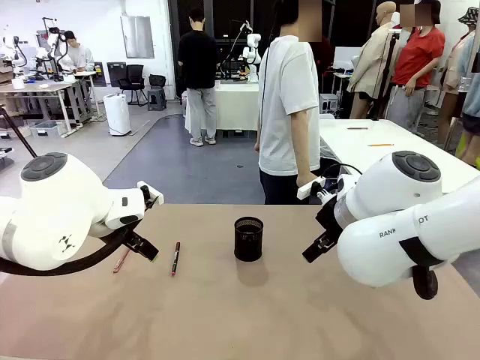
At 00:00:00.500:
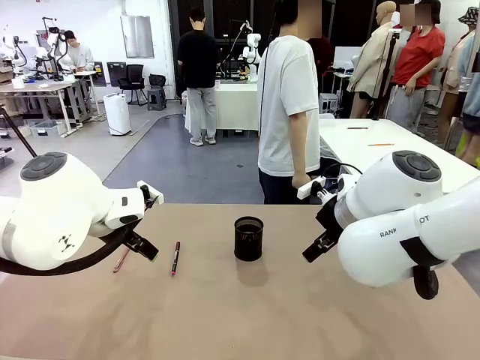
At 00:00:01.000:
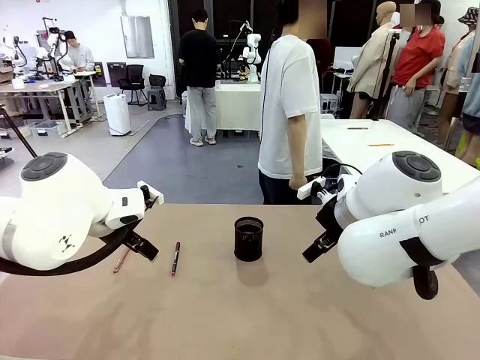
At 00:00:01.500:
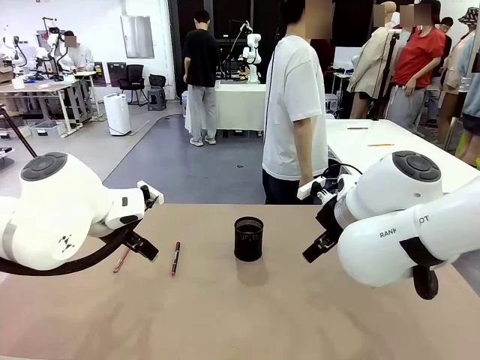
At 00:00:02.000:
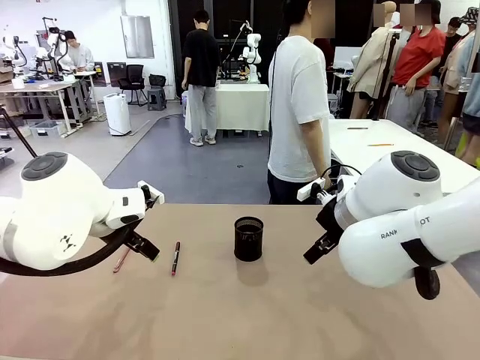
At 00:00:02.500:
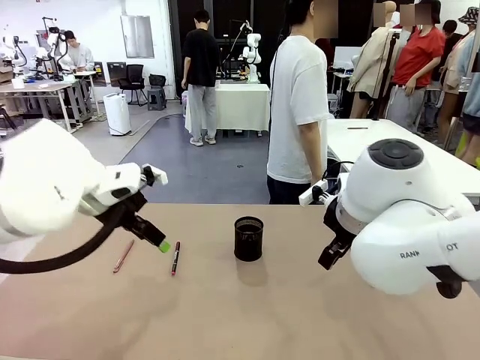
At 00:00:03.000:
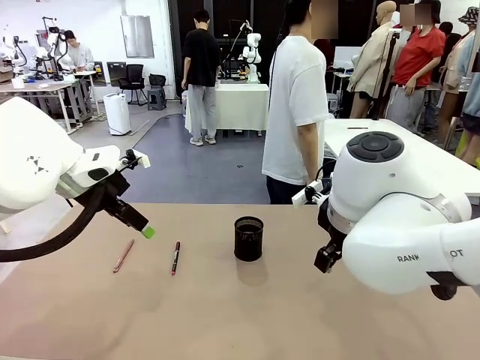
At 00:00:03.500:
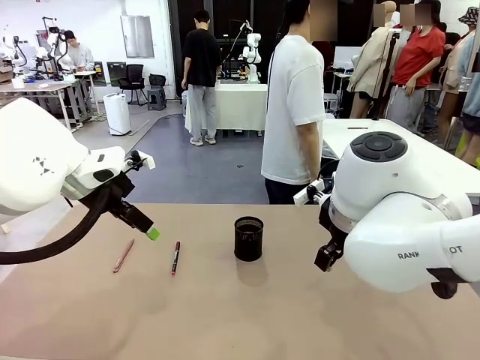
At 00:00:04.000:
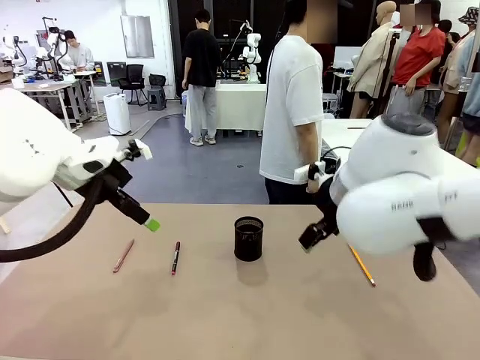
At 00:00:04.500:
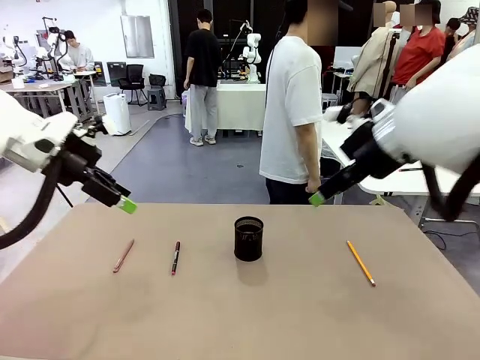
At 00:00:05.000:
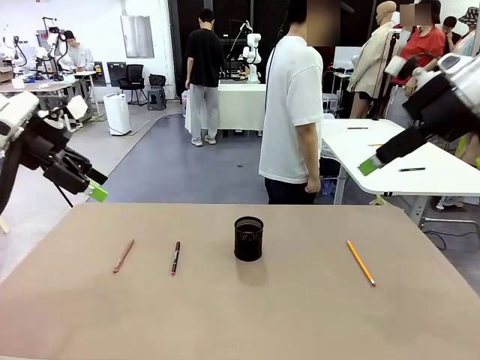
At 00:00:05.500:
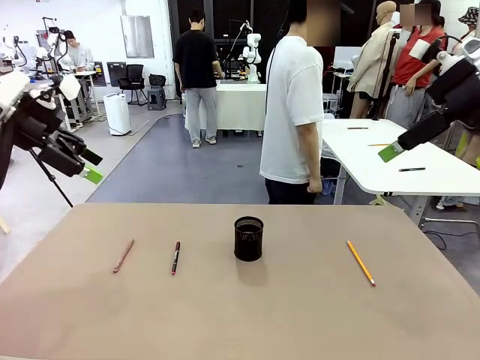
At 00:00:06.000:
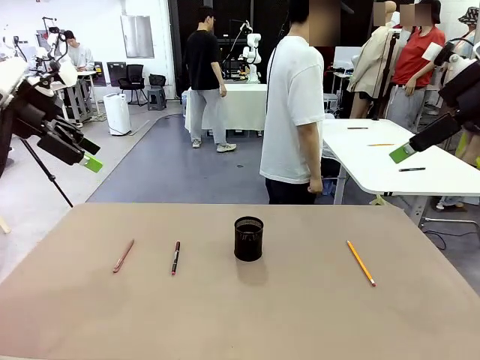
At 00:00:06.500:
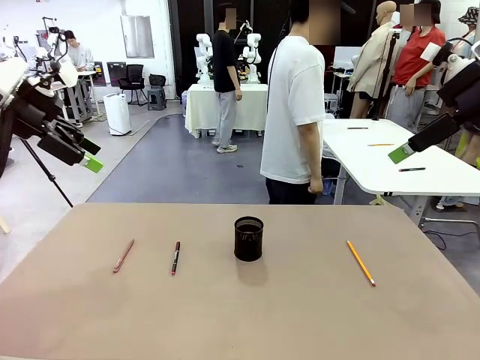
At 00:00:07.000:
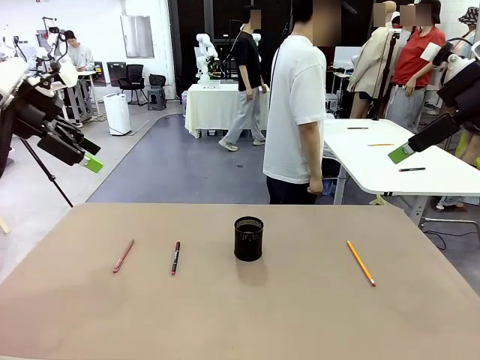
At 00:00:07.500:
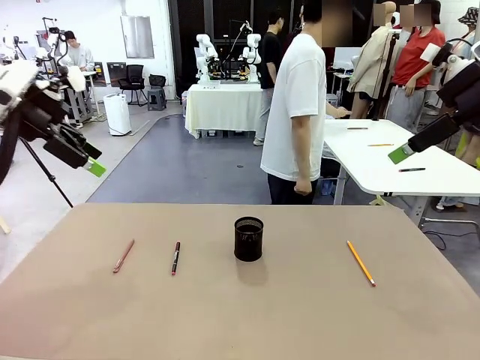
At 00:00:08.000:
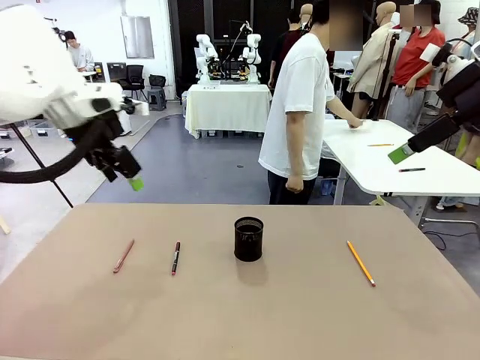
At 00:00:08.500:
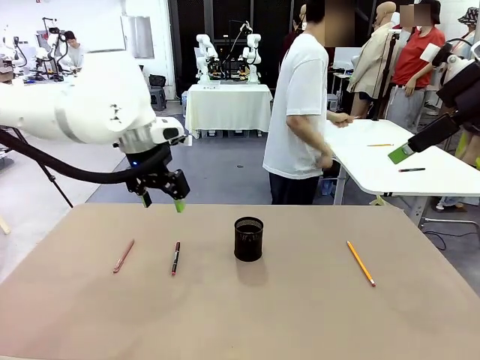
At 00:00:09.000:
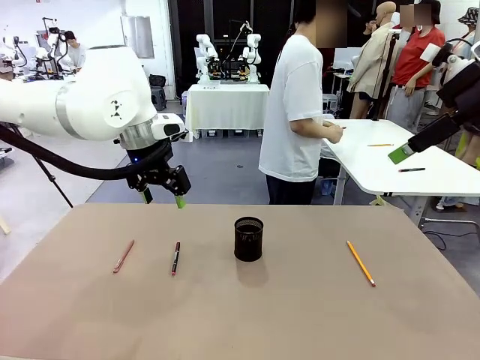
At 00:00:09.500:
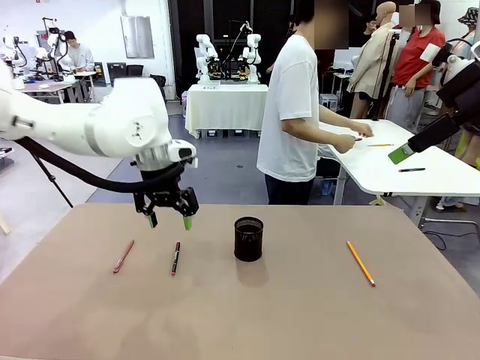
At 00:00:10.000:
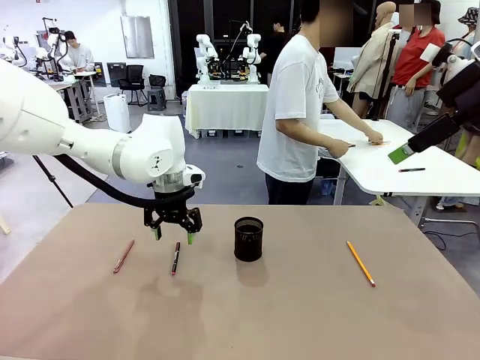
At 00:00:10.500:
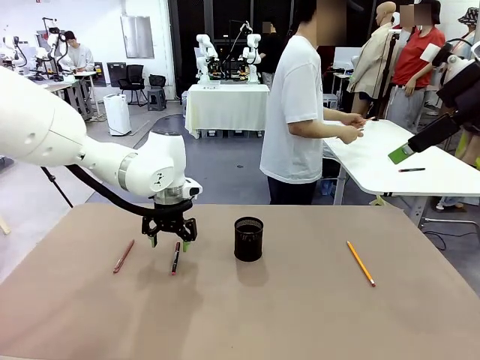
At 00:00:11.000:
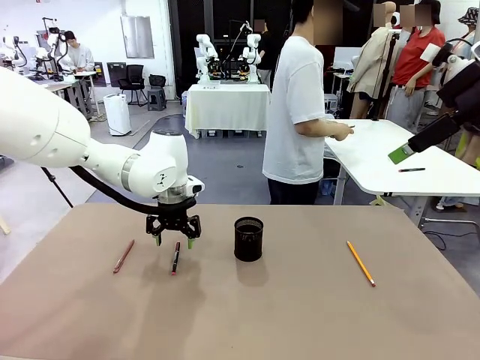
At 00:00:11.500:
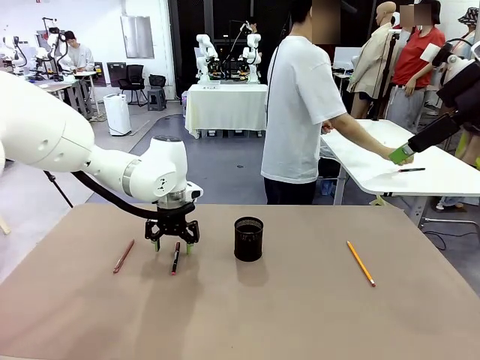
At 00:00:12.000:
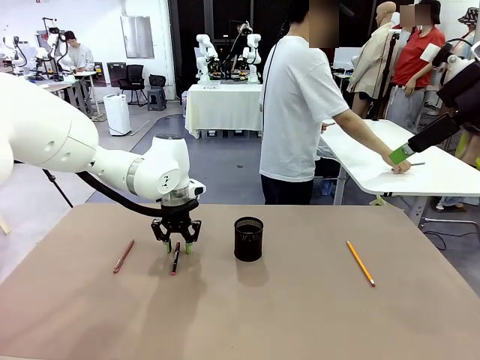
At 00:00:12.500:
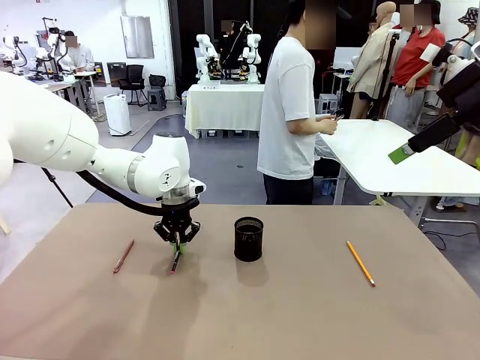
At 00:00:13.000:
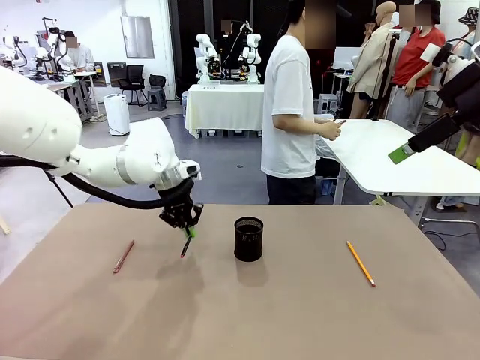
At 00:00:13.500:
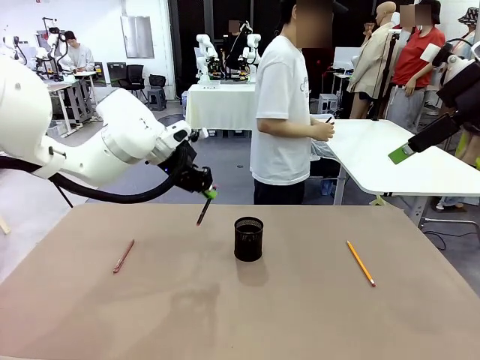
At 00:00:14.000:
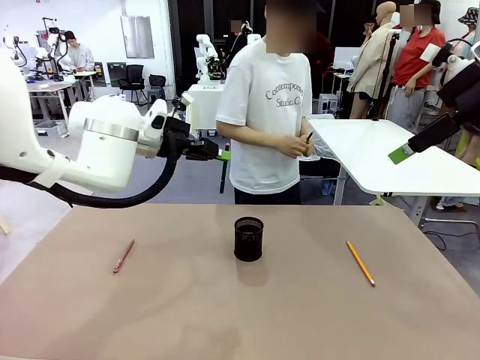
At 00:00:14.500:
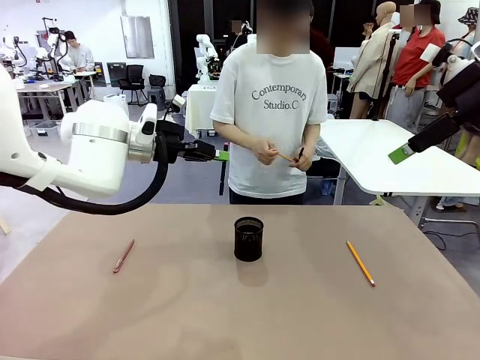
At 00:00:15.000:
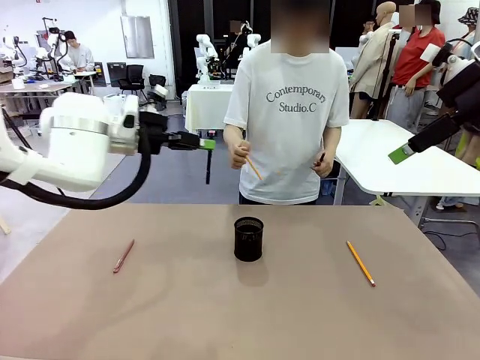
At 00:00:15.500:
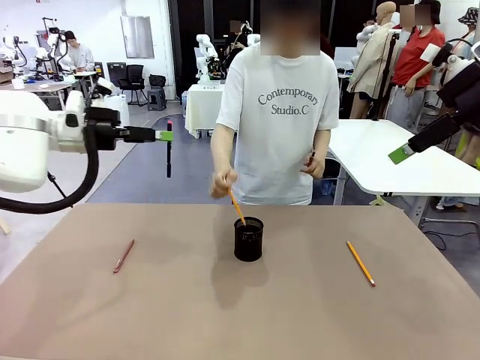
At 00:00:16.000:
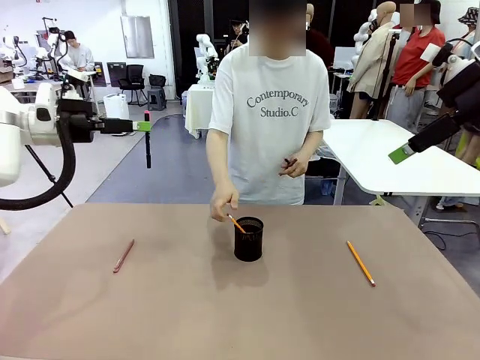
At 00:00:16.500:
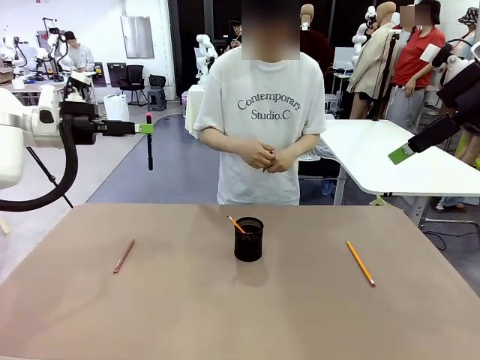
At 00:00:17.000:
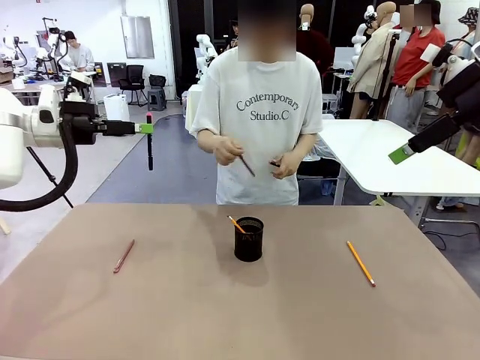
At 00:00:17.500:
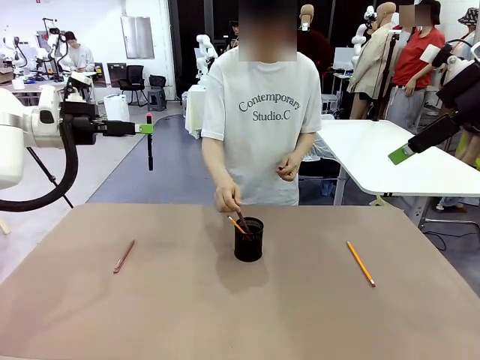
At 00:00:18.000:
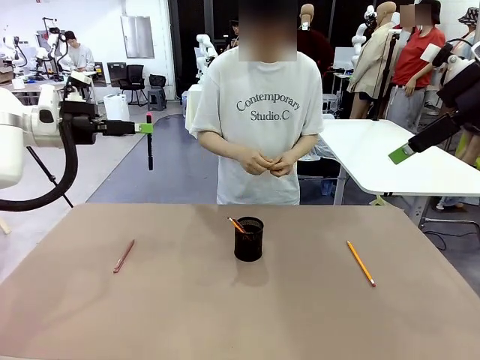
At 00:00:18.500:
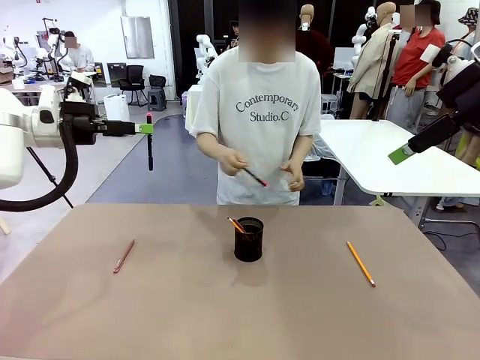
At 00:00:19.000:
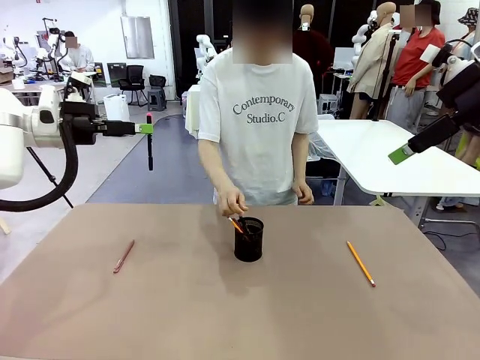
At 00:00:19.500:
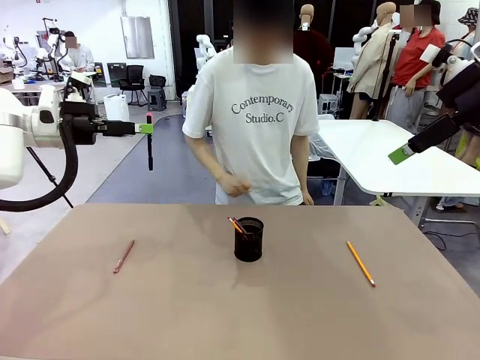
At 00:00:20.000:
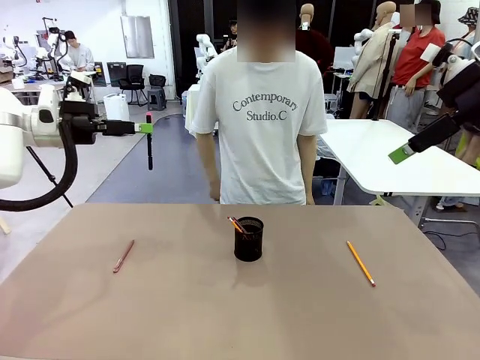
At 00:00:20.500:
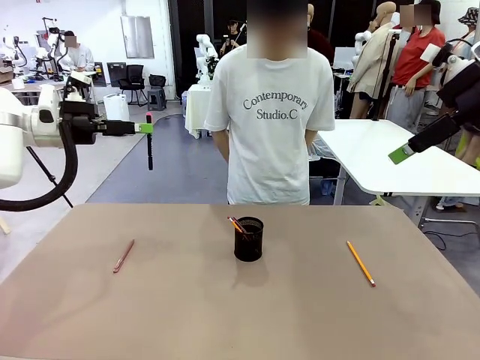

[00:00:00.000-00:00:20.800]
Task: Place the pens into the pen holder.
Robot: Pick up a writing instrument from the table and place it into the Pen holder.
Person: Pick up all writing instruments from the Human table.
